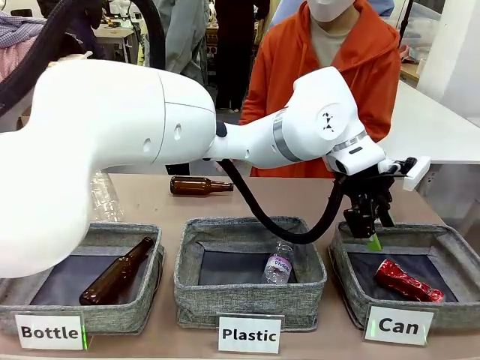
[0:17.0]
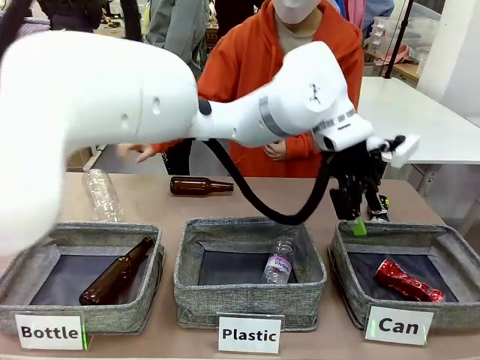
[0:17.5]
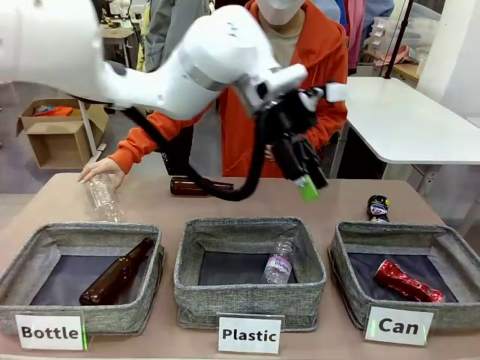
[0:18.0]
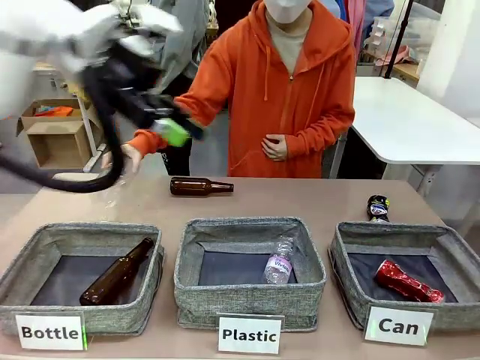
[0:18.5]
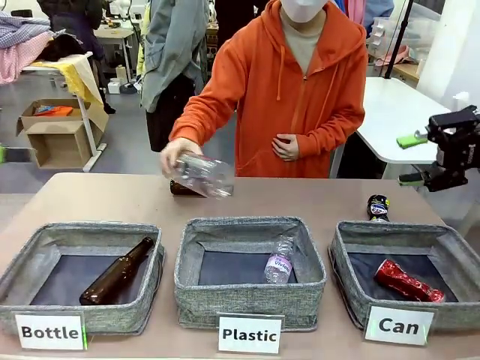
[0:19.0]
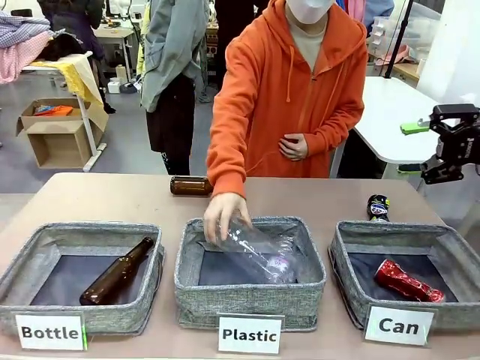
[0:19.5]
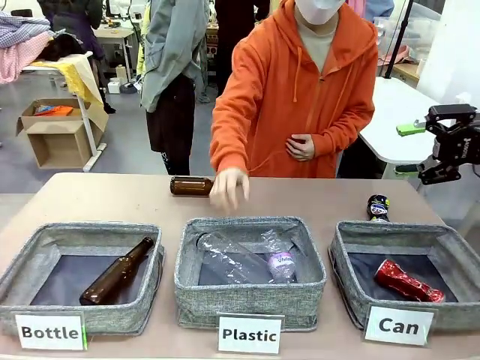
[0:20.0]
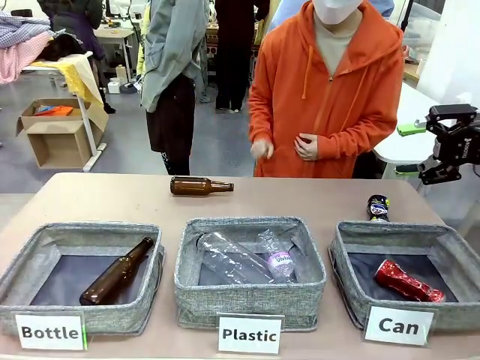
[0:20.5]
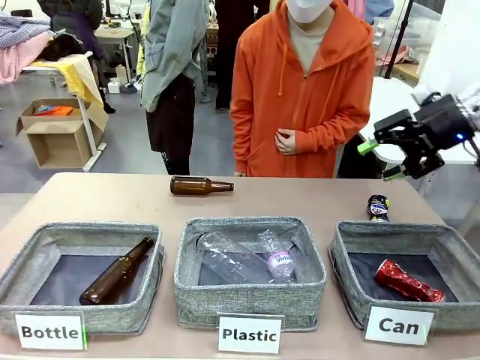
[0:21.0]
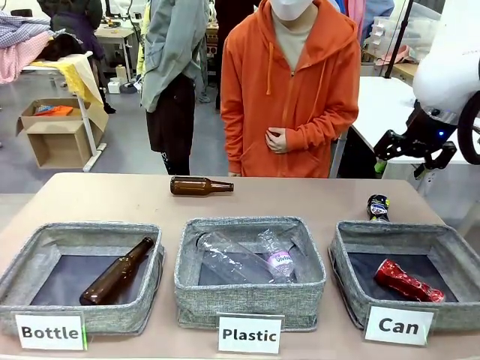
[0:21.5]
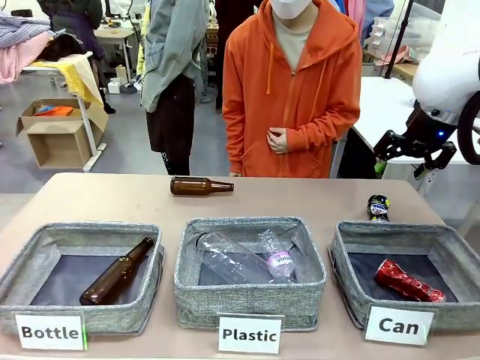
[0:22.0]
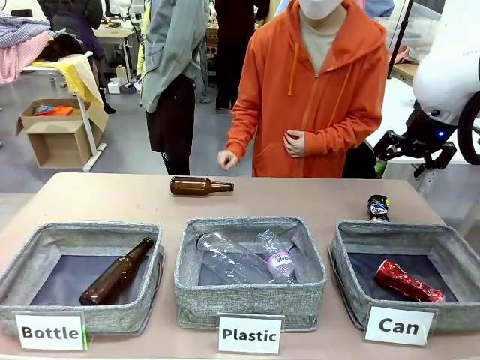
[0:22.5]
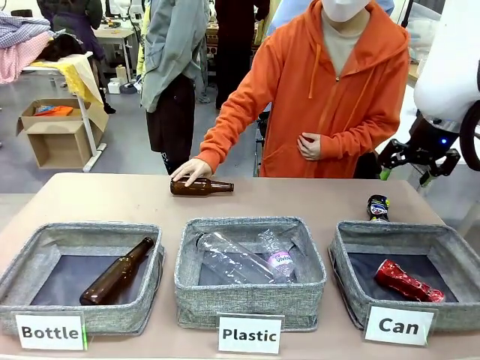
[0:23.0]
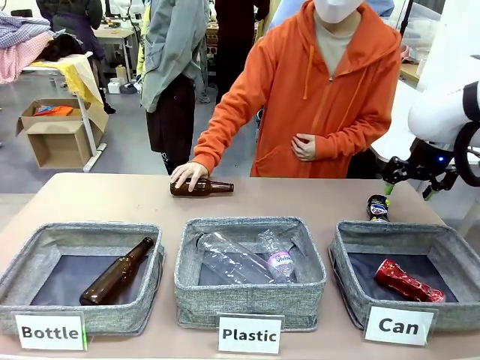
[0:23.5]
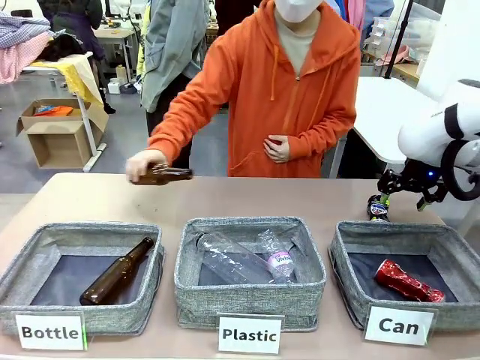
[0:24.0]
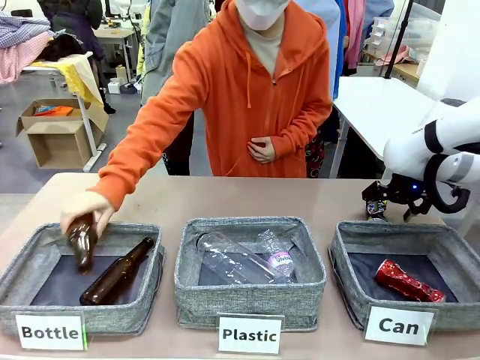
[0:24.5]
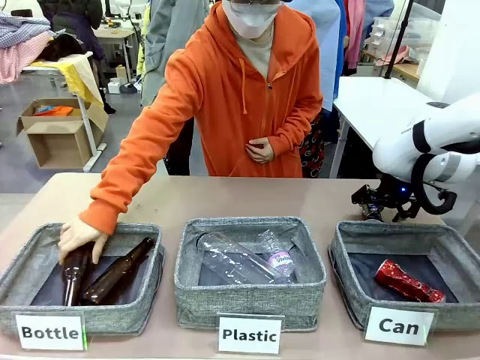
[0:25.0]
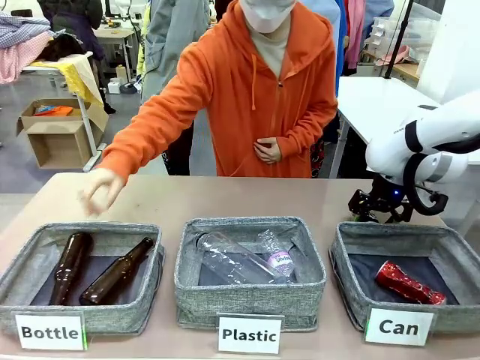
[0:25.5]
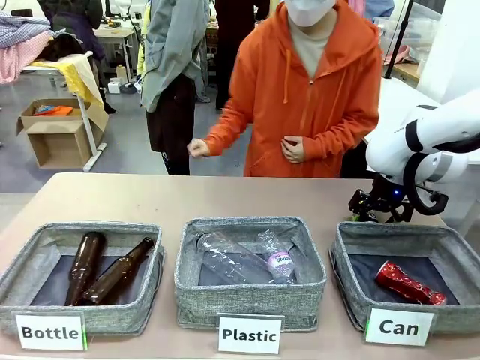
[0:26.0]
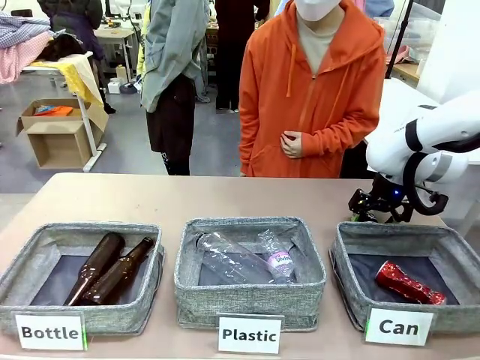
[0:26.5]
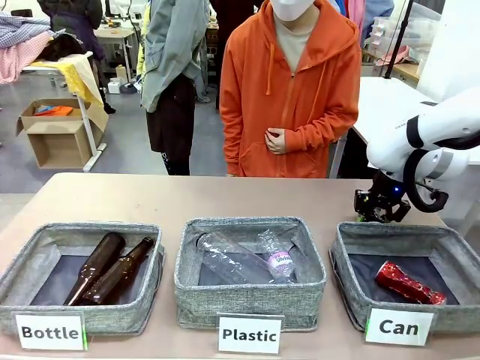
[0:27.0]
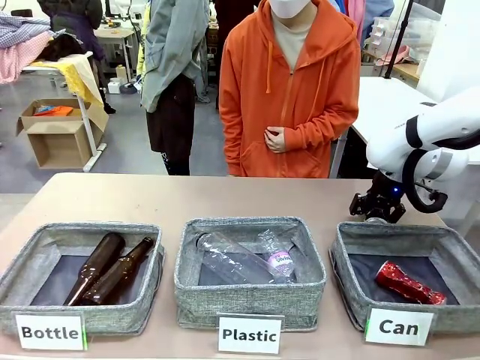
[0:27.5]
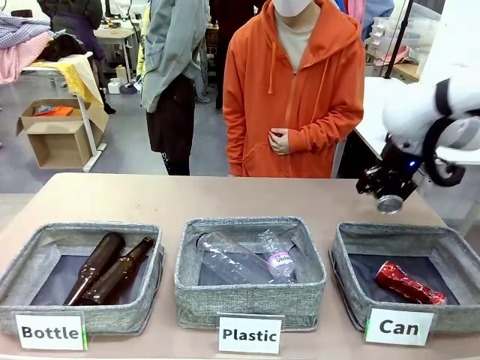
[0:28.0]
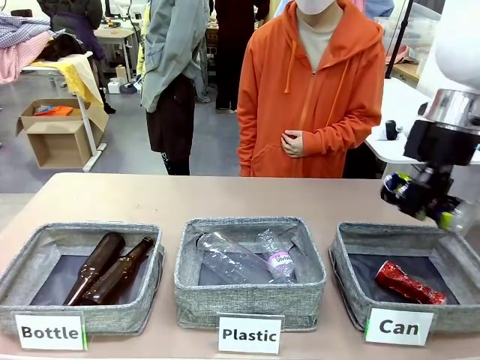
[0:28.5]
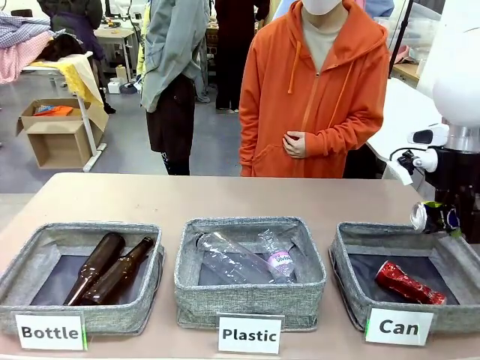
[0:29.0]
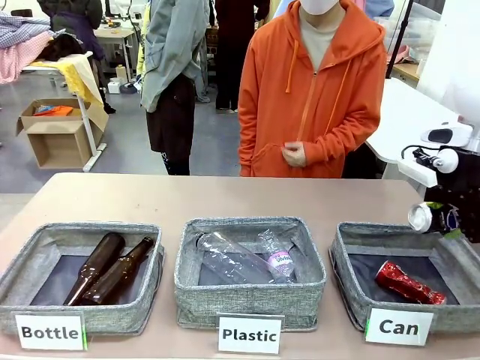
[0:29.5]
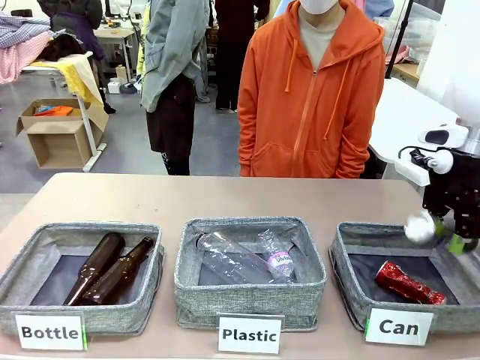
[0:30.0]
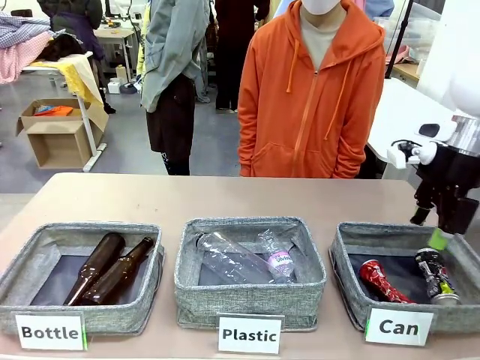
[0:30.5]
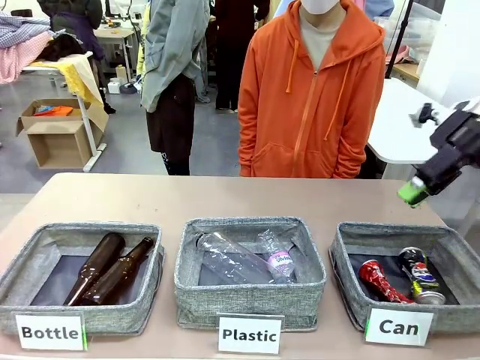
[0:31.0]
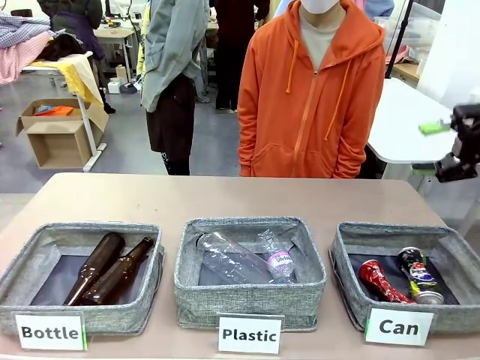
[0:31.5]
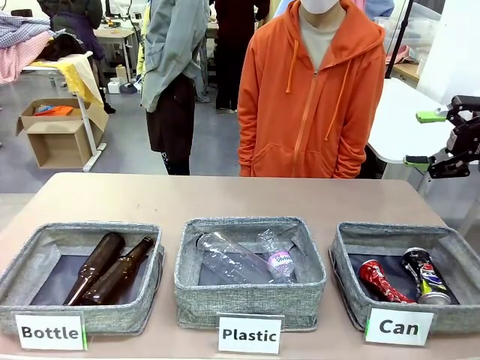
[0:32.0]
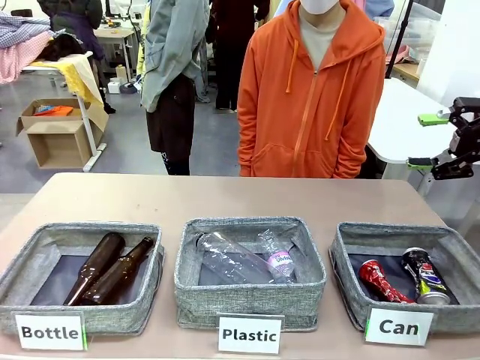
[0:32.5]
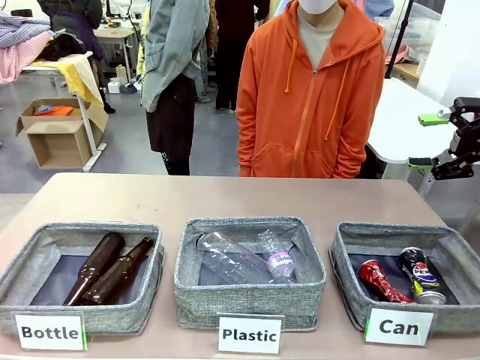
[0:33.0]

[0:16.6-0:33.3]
Task: Sort the can waste into the basket.
Robot: Pick up the can waste from the table and place it in the right Fabric basket.
Person: The human picks up one piece of trash that is not a can and places the trash into the appropriate organizing basket.
